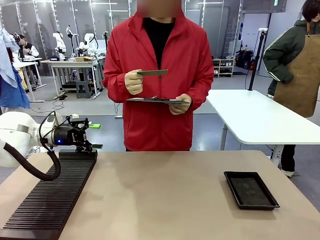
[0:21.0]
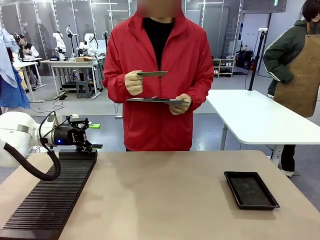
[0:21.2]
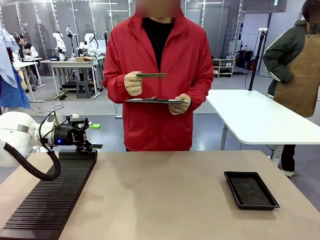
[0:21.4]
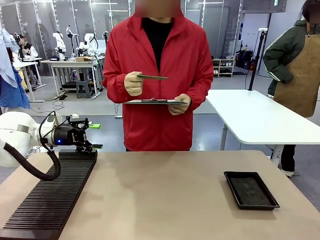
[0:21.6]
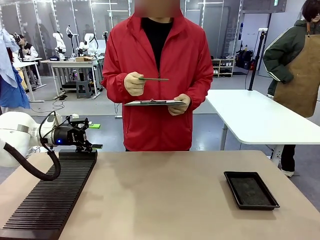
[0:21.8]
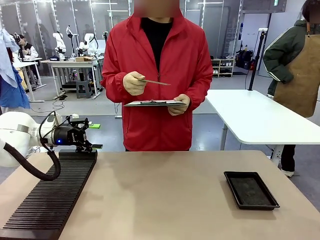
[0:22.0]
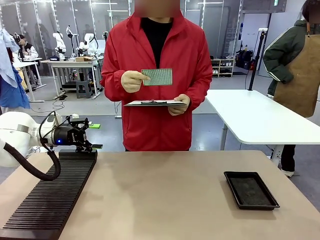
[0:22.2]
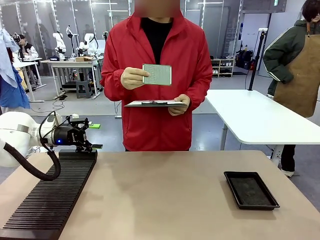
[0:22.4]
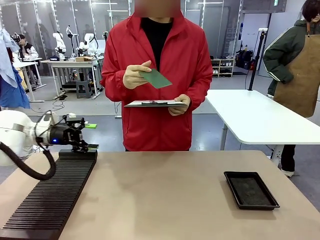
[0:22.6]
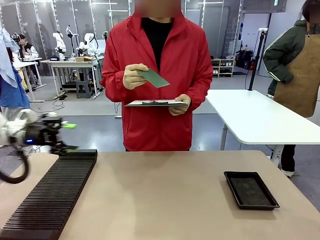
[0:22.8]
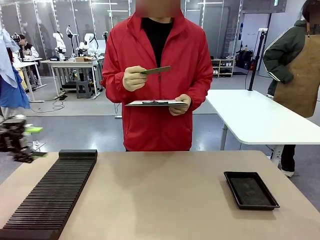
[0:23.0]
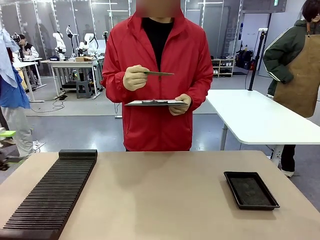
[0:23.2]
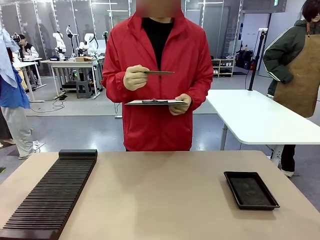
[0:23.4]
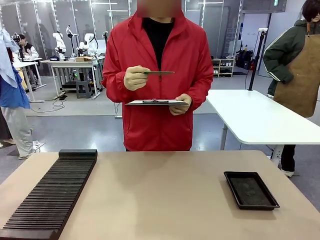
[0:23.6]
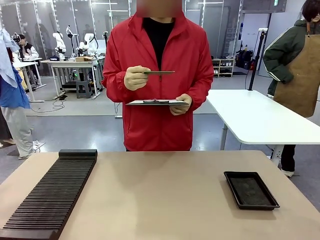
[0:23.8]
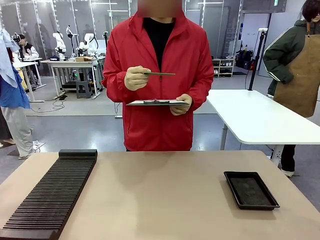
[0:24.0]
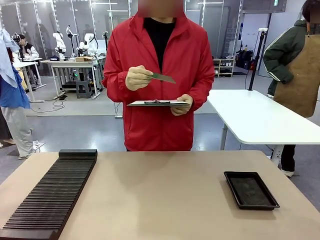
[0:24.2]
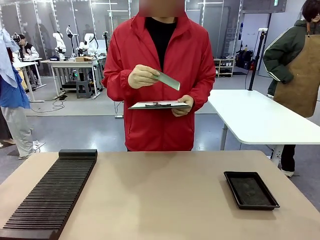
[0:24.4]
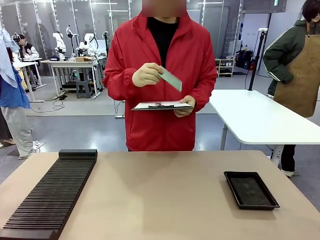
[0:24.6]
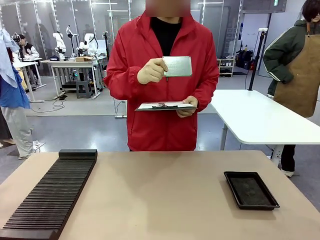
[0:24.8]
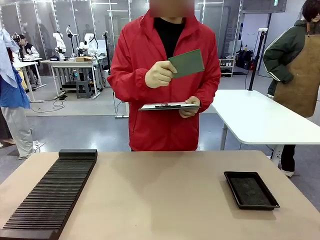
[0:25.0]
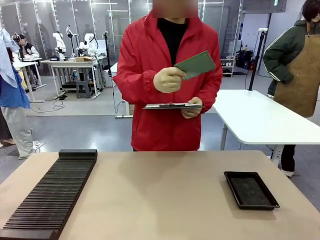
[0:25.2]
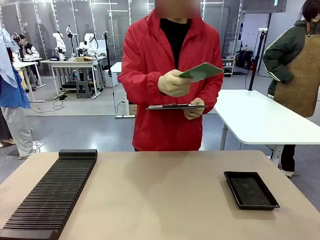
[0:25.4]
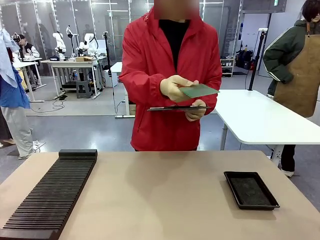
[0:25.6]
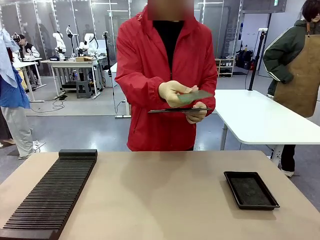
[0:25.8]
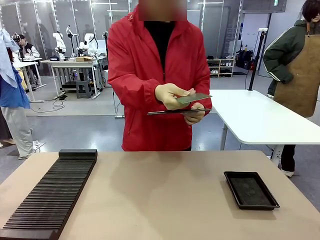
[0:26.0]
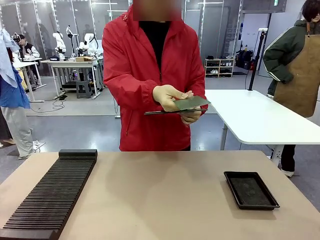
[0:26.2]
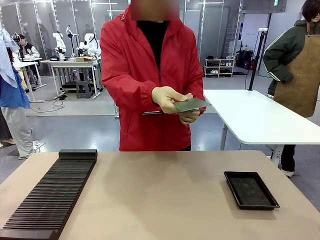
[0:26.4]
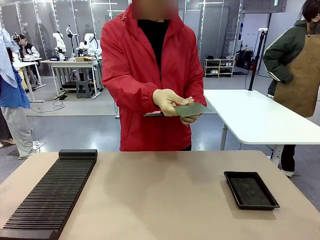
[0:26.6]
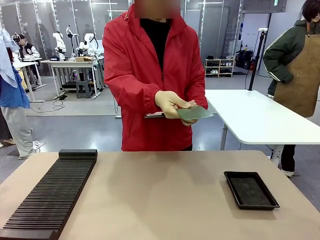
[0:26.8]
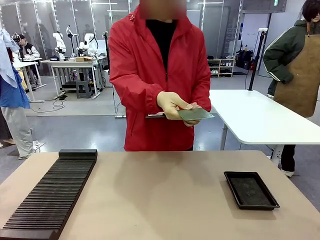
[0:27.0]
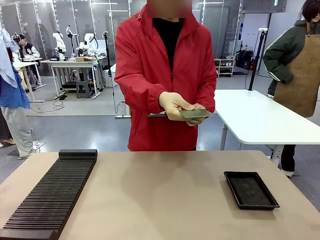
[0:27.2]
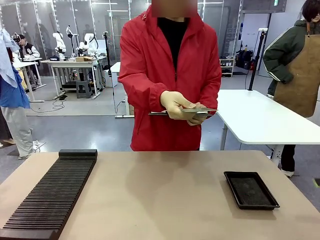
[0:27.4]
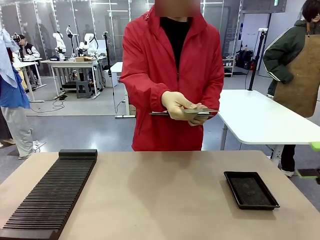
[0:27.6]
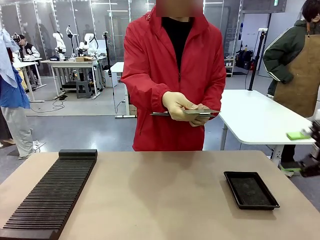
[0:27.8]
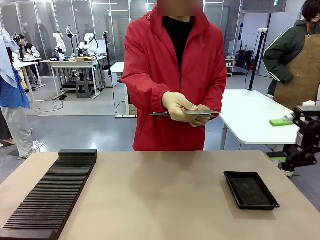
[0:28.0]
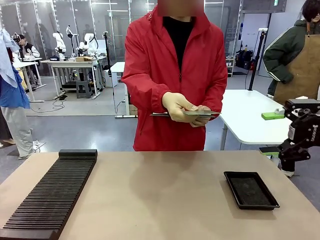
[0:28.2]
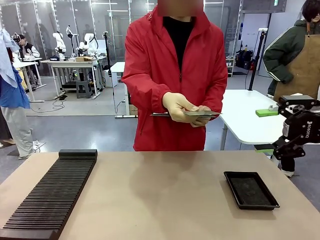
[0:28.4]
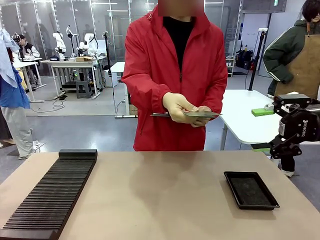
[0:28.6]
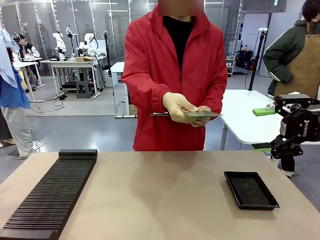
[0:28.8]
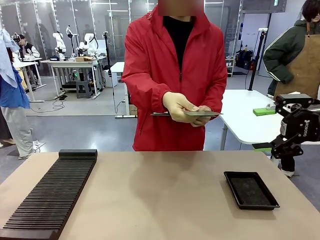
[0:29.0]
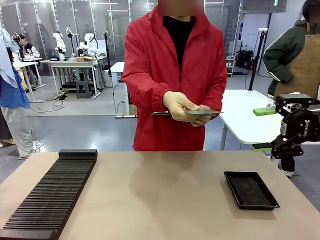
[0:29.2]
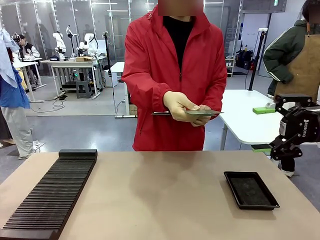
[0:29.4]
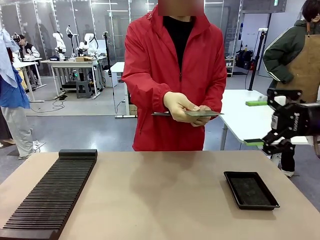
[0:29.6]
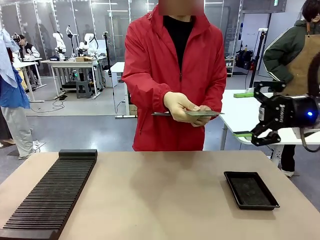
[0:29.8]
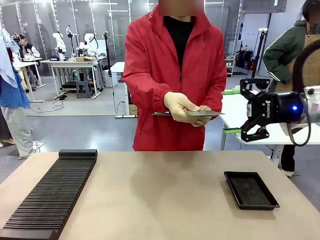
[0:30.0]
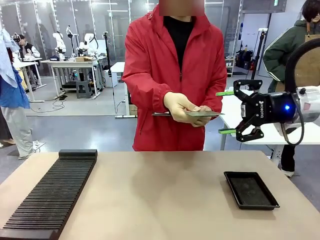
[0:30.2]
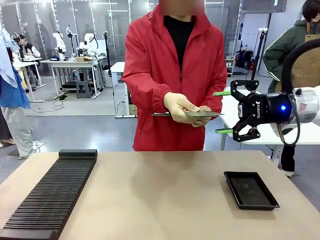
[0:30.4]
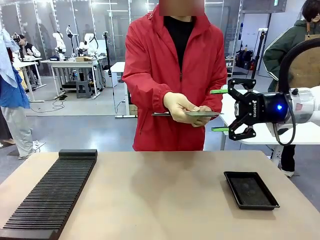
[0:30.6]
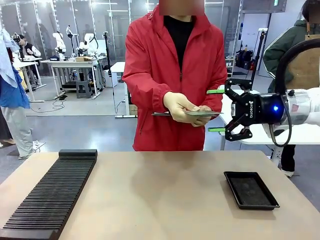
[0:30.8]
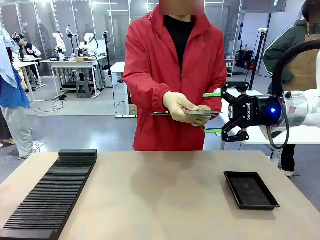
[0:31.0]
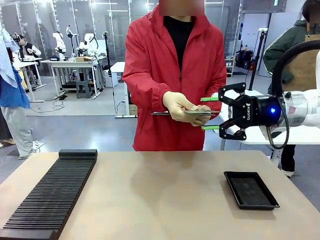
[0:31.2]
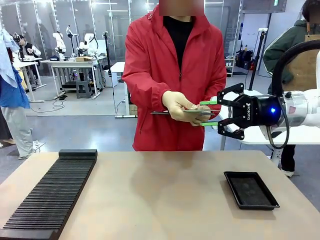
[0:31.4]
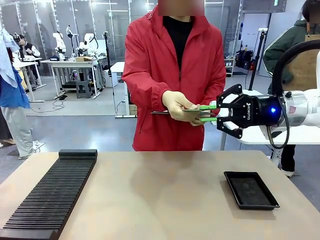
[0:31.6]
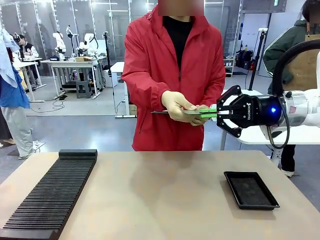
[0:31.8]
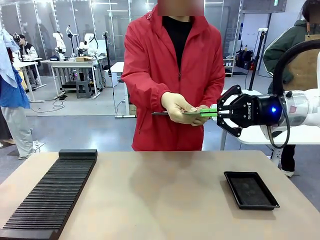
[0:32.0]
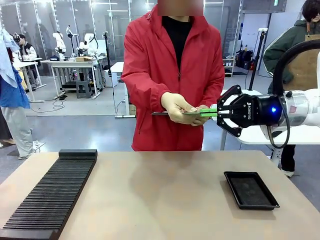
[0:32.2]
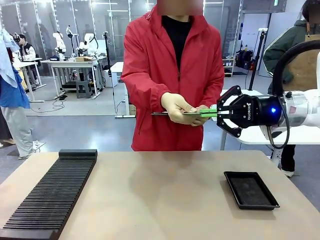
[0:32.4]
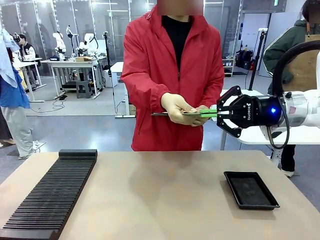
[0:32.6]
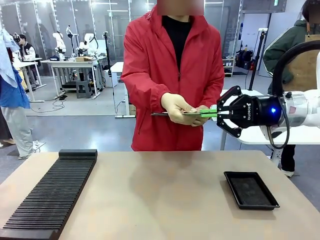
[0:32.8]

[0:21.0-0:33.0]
Task: Inspect the PCB.
Robot: Pick up the Blank PCB that the human is holding.
Person: Inspect the PCB placed by the robot, then hold it out in front of the robot. Release the PCB you were holding.

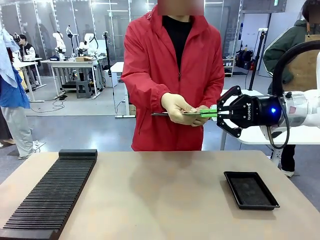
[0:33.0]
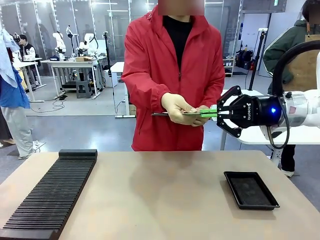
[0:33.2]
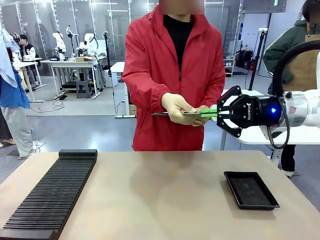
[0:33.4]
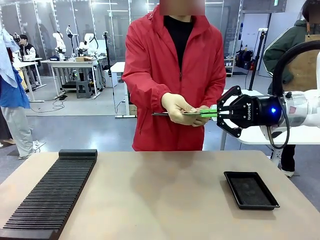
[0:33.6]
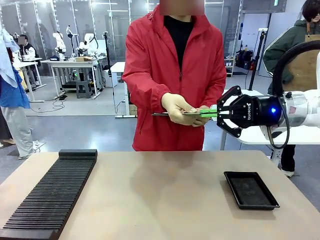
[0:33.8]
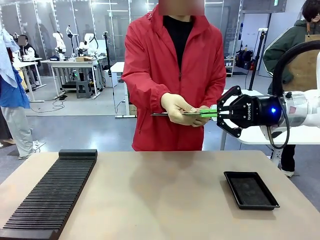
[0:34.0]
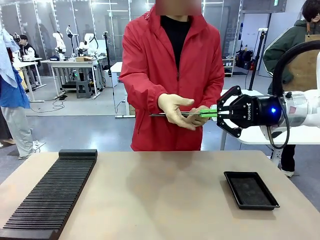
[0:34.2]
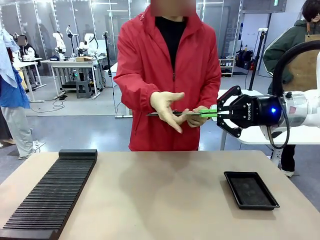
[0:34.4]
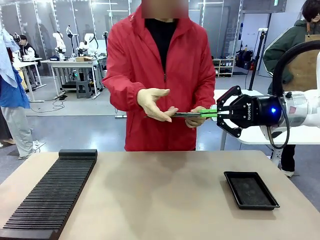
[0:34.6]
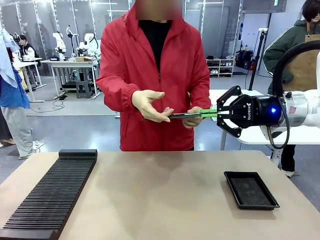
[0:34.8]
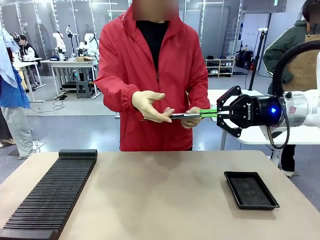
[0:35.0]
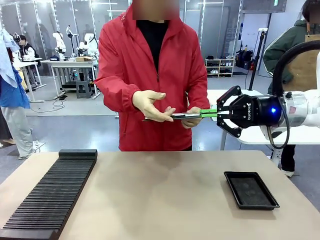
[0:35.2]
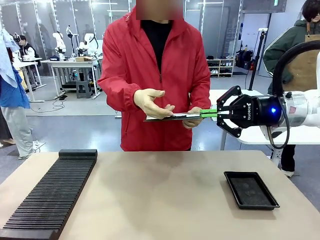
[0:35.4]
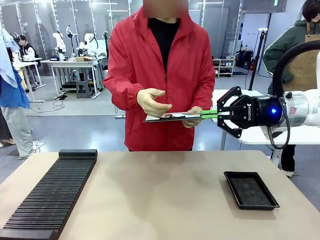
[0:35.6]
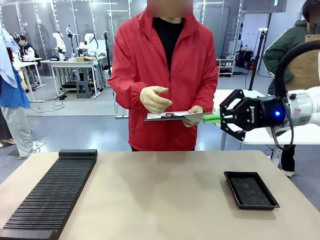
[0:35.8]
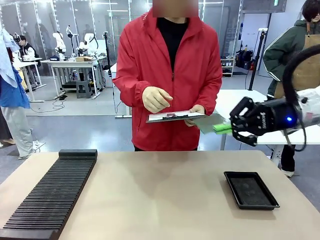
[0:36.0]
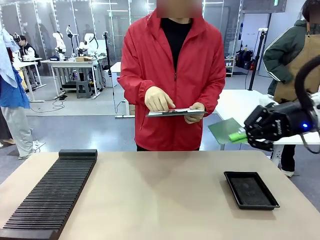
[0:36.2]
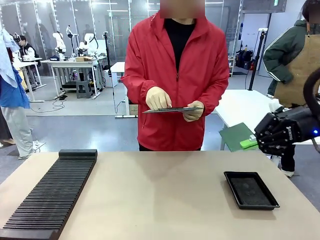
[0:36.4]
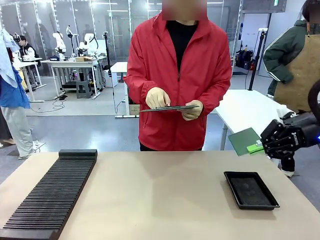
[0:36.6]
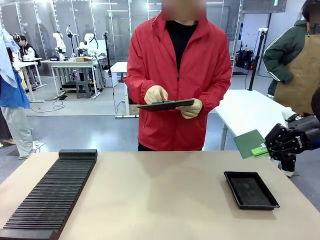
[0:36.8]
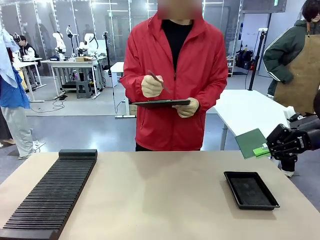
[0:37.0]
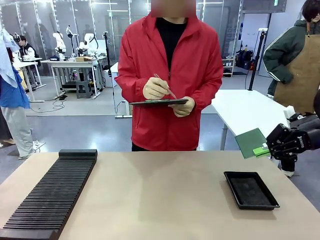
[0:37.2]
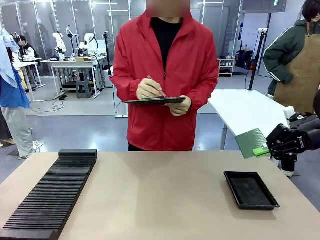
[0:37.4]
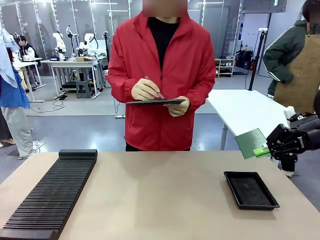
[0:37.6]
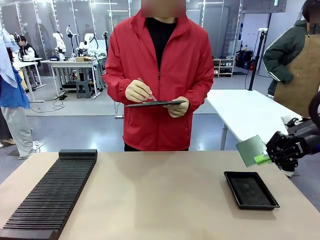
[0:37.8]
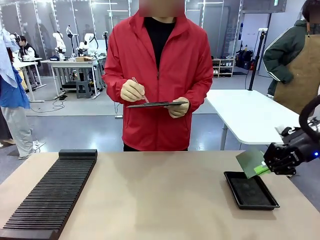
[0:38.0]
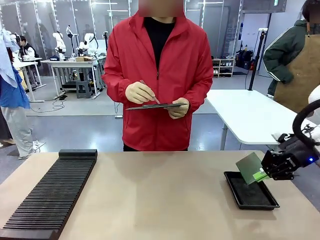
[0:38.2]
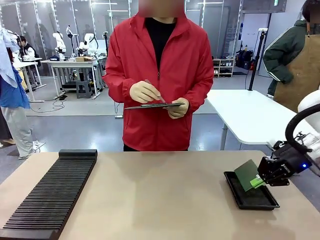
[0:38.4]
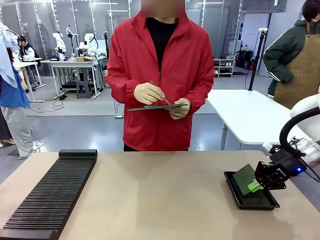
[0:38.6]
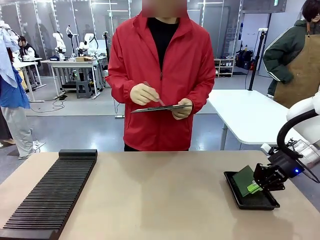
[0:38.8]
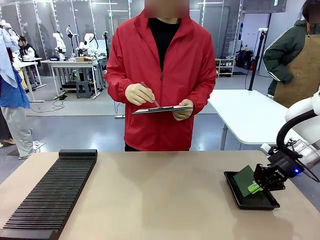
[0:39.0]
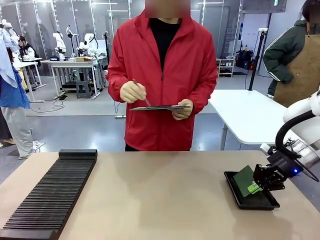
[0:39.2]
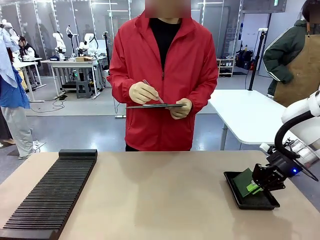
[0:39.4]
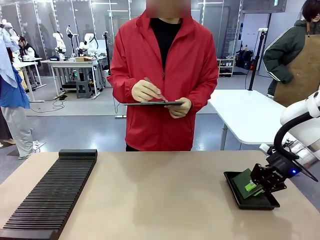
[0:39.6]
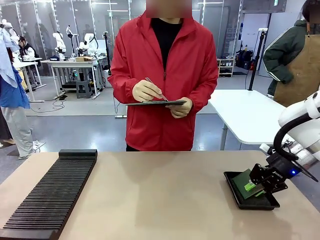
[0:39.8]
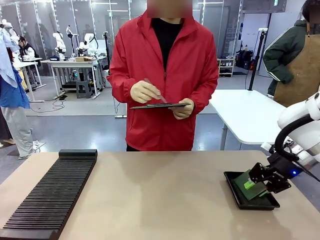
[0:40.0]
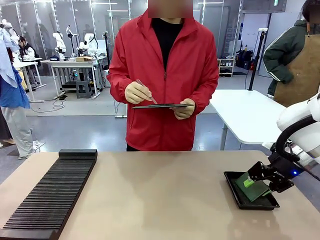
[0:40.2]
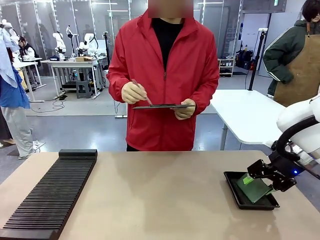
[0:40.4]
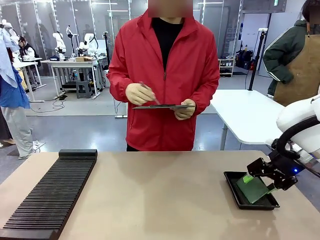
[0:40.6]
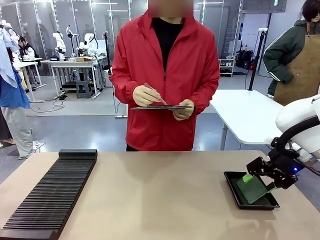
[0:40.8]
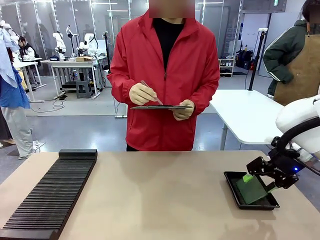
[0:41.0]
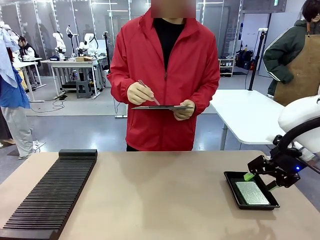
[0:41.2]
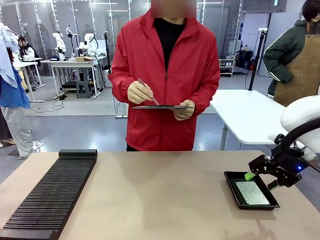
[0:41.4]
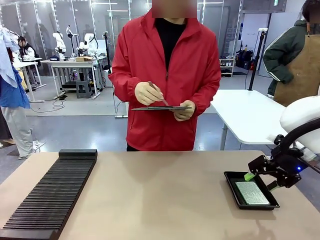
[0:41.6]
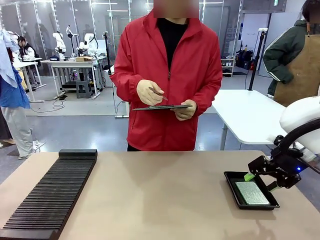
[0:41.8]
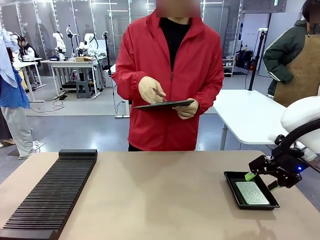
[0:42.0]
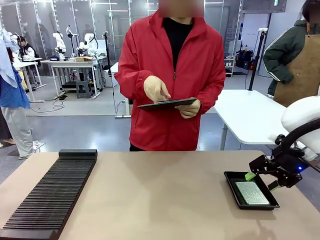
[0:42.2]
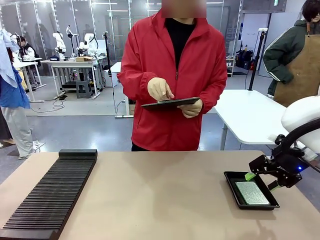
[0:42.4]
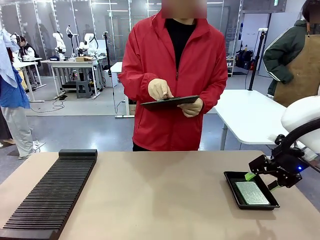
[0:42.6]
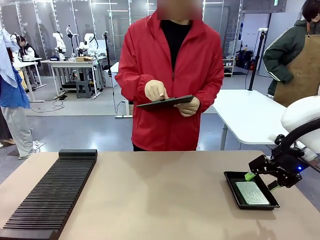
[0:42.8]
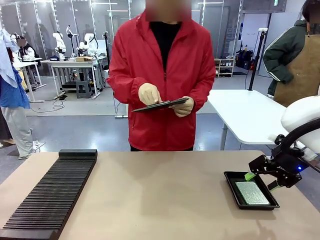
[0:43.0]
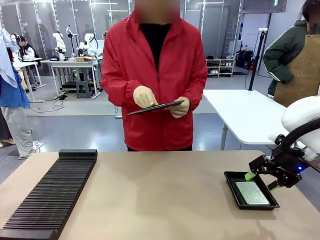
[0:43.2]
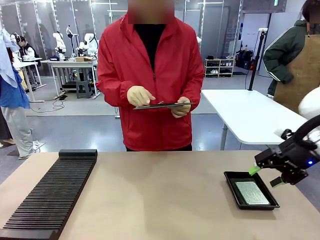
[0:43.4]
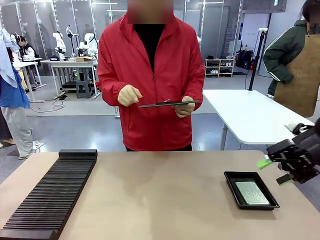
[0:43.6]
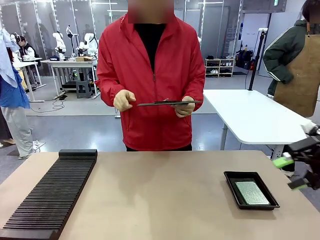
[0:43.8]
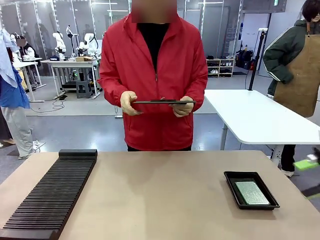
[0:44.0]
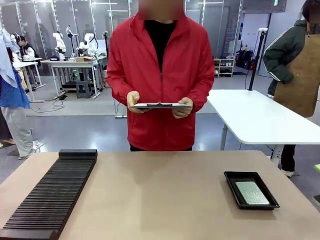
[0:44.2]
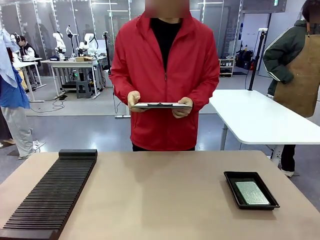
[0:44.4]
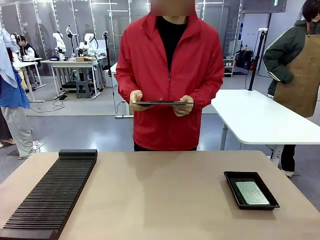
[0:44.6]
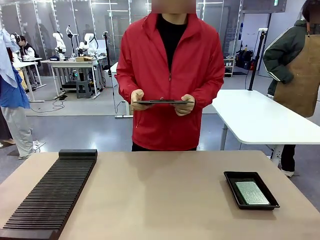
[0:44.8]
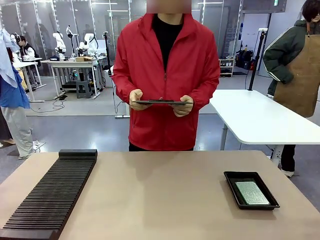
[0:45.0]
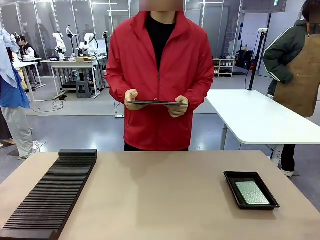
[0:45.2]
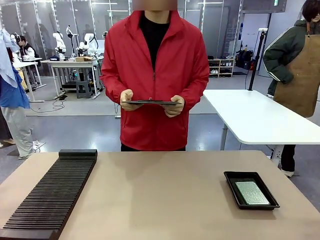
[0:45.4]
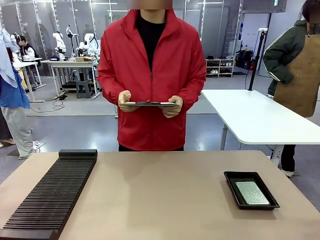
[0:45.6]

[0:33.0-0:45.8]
Robot: Place the Blank PCB in the ESD tray.
Person: Record the PCB status on the paper.
